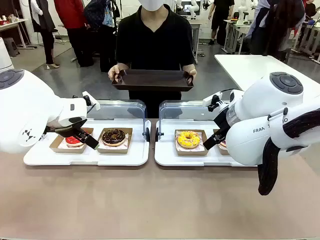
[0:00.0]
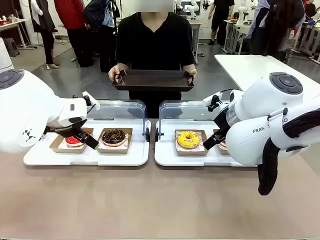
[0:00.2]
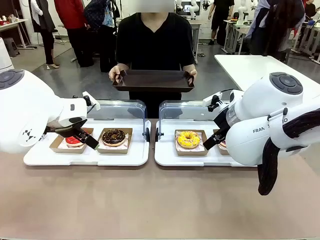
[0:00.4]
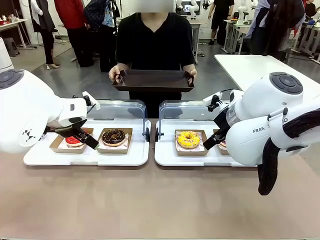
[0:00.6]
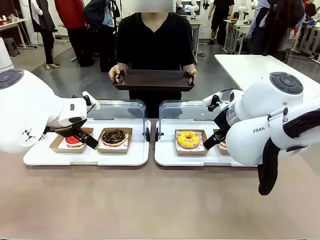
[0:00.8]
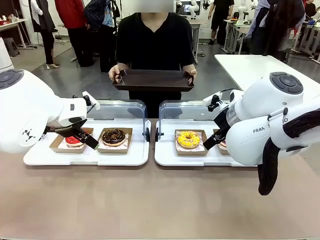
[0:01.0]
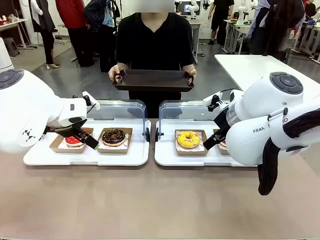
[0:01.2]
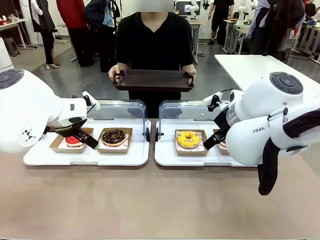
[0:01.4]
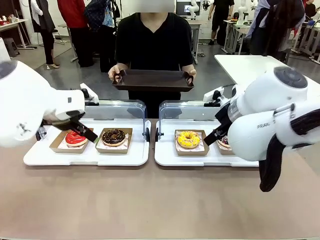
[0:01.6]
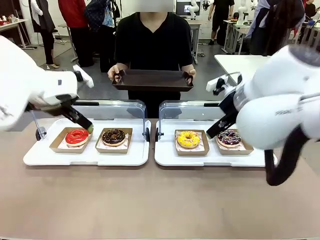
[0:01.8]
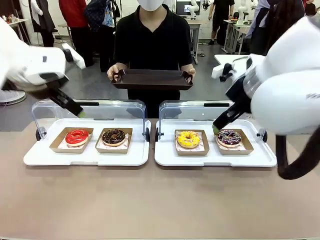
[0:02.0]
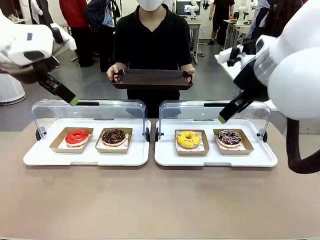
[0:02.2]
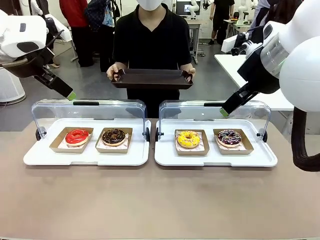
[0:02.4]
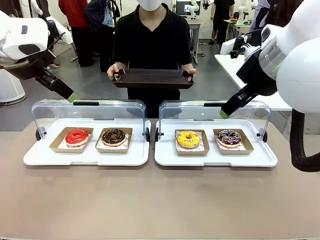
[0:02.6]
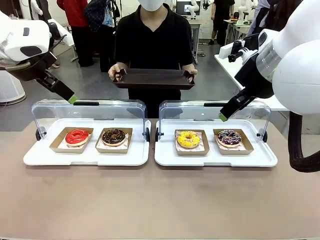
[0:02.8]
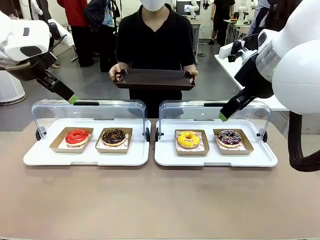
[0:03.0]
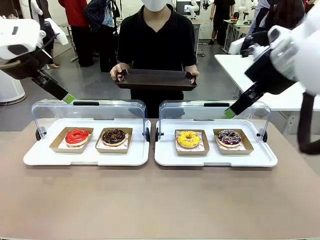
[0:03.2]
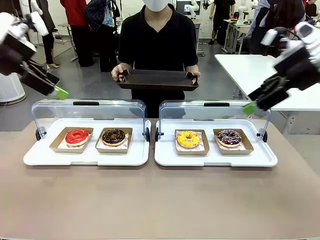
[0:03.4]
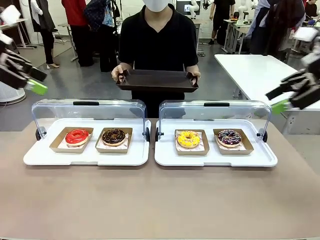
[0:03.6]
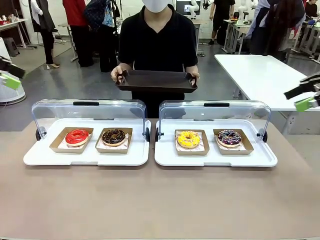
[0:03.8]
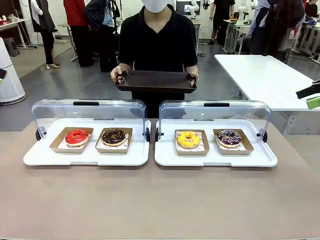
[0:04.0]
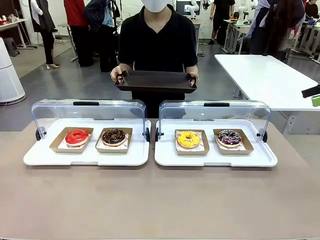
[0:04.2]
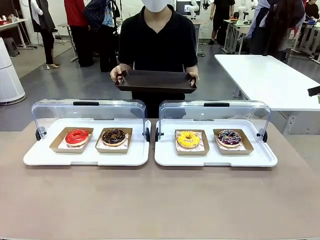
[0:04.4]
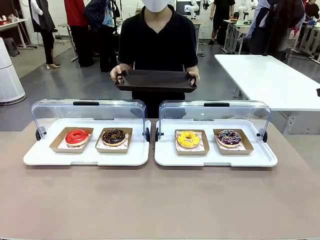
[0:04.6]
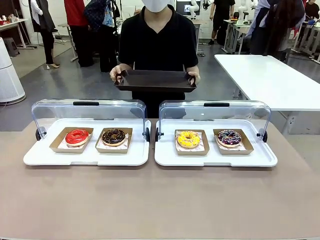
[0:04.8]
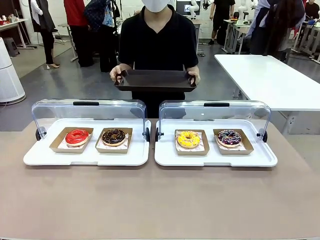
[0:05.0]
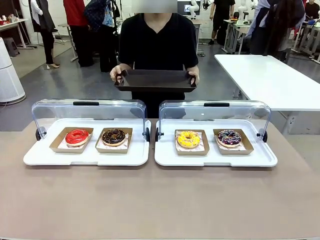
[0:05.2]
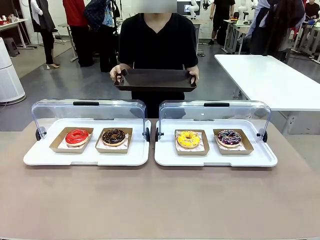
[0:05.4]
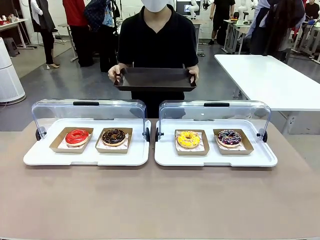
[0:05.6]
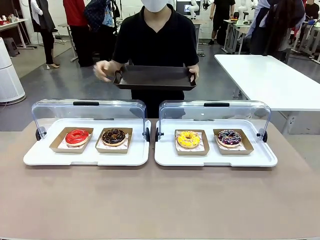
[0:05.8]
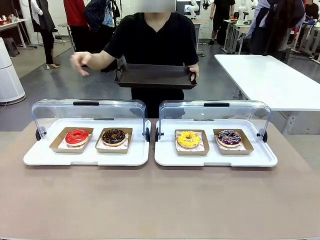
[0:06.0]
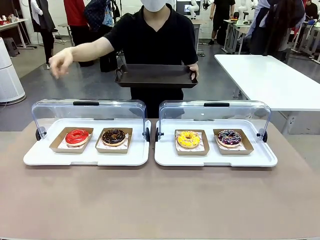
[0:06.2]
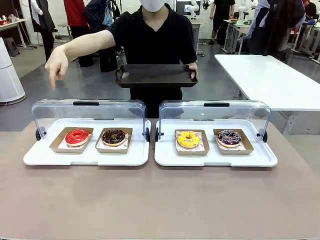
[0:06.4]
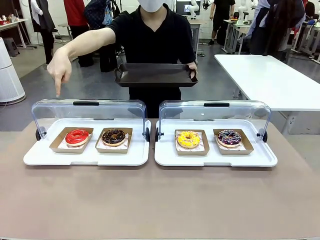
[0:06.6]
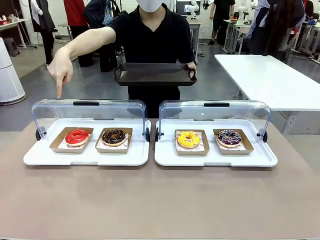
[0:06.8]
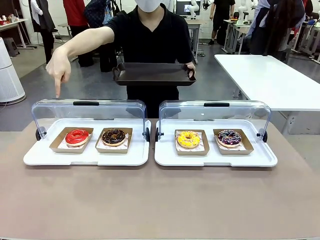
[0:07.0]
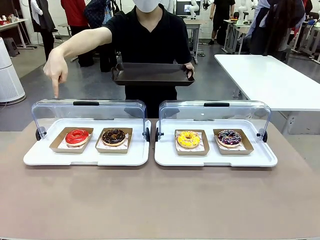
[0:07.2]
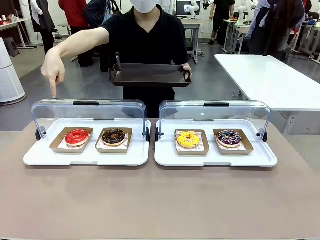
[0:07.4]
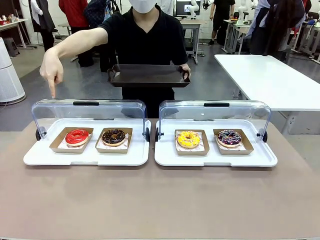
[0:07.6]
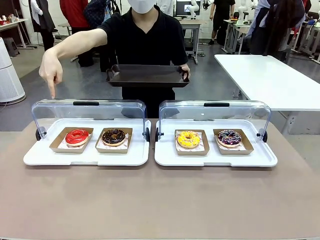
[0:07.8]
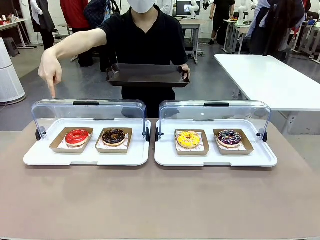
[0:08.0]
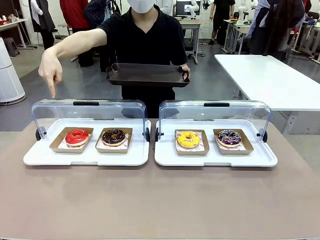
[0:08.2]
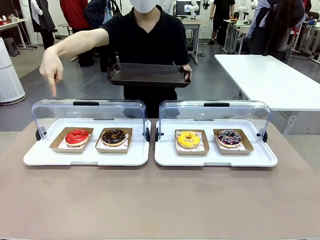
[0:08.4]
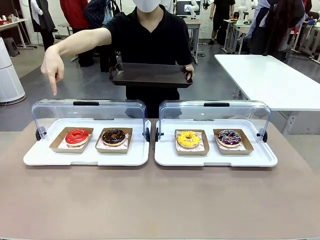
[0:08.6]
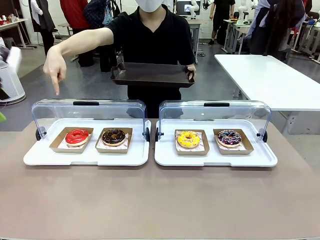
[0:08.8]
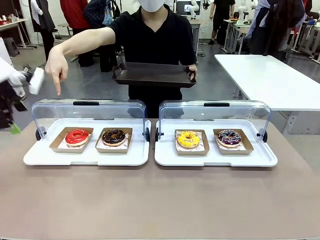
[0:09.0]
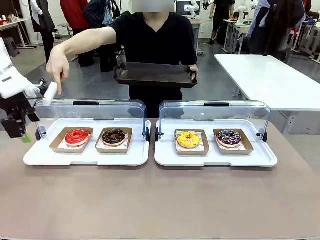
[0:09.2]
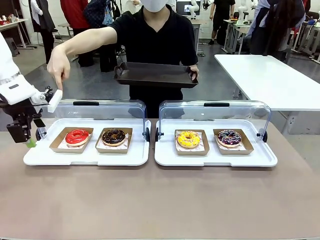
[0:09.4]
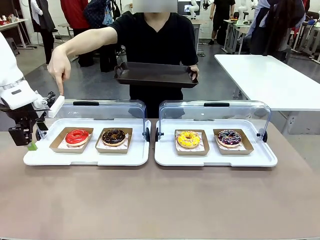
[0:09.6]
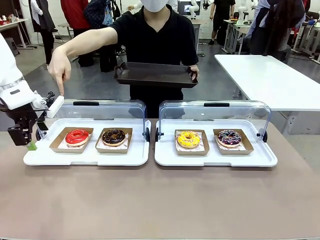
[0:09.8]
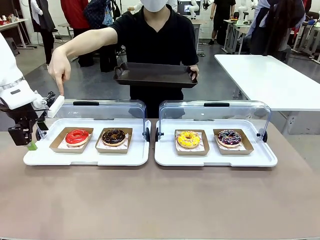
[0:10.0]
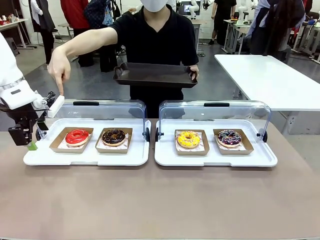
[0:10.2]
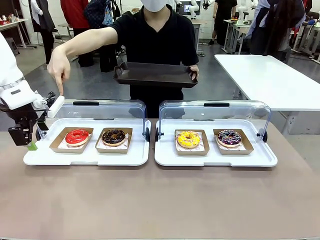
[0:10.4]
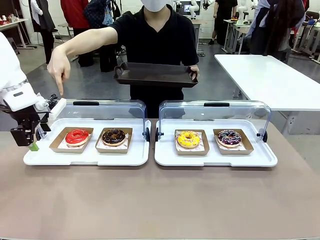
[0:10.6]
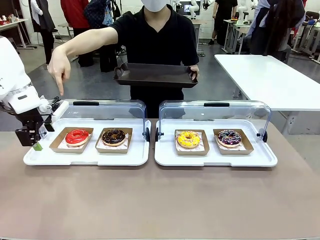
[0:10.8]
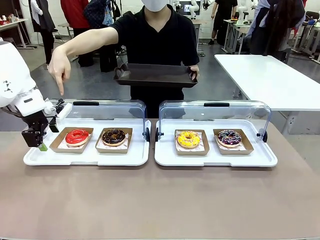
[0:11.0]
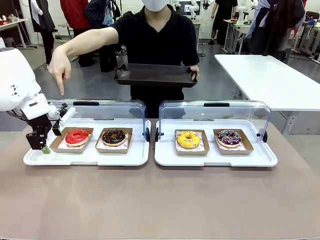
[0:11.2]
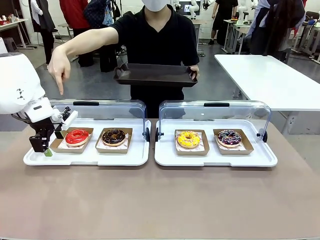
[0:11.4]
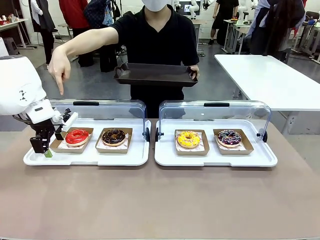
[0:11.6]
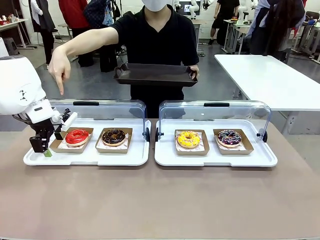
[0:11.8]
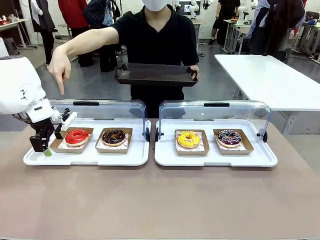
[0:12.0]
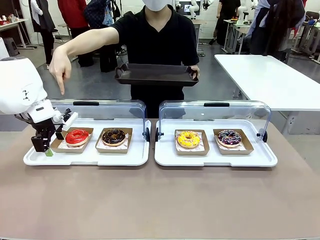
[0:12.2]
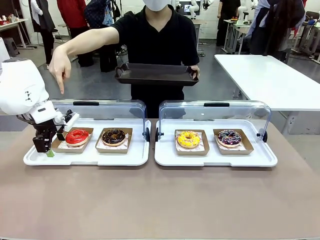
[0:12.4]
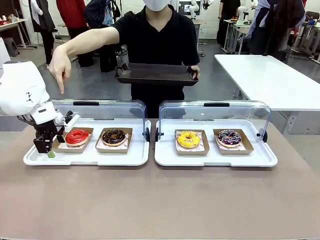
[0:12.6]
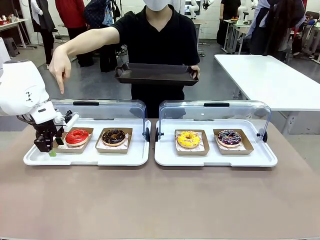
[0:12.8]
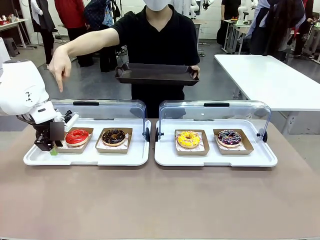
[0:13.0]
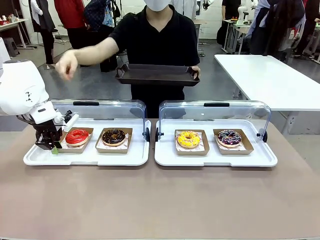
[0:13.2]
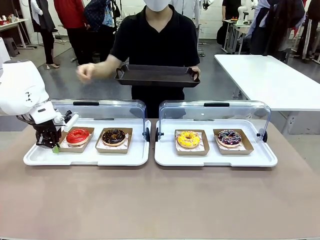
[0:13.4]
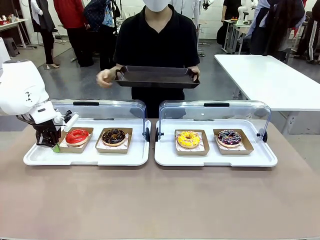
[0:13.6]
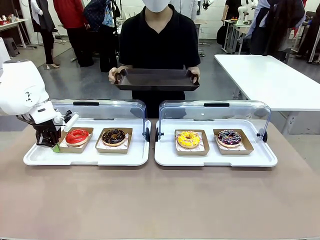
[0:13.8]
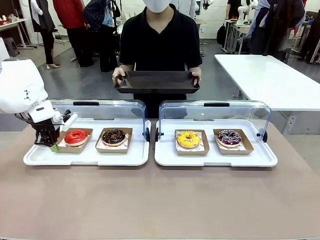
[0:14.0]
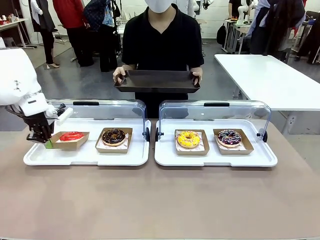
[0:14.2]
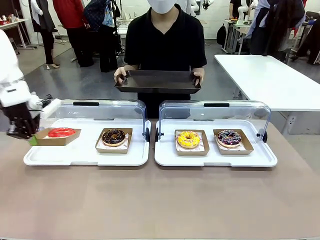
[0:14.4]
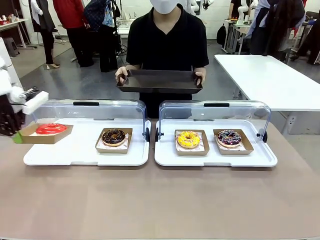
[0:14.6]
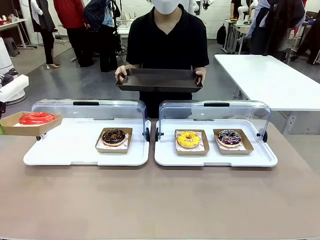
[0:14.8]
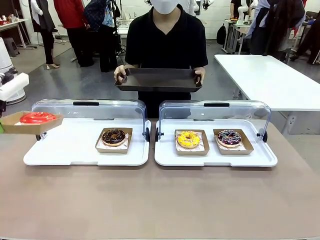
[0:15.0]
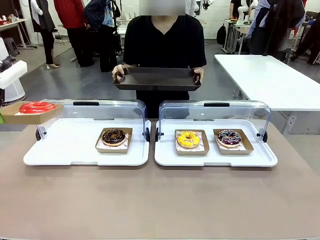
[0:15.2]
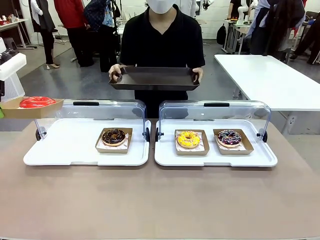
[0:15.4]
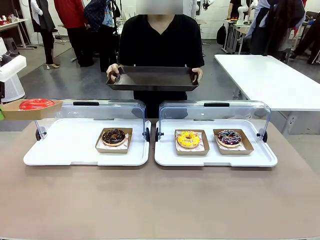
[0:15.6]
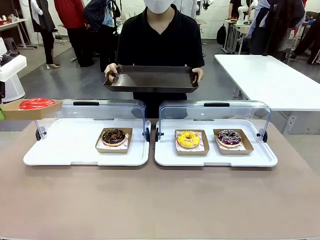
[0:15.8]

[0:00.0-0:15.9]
Task: Provide the desired donut to the person.
Robot: Pick up and lift the Paper togo box containing the Donut pointed at by the person.
Person: Point to one donut. Lift the tray onto the Roll-Top Bakery Case.

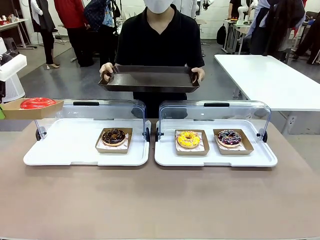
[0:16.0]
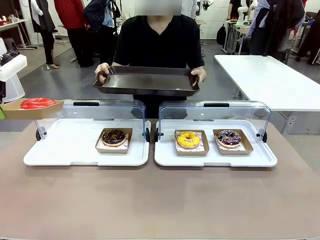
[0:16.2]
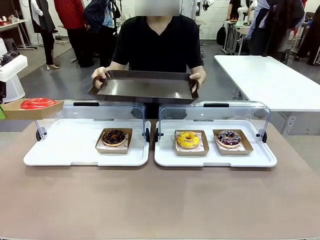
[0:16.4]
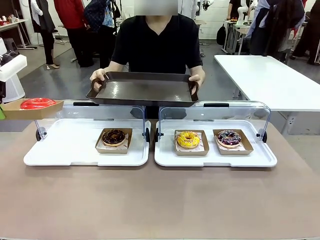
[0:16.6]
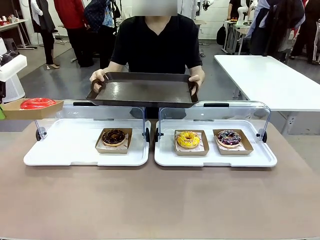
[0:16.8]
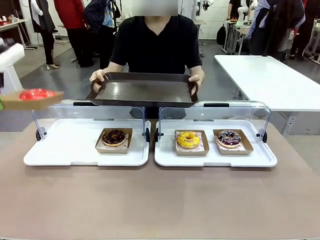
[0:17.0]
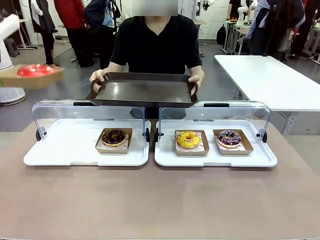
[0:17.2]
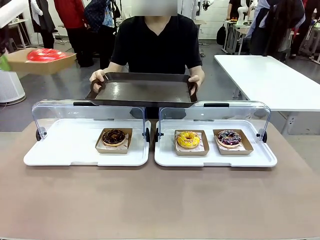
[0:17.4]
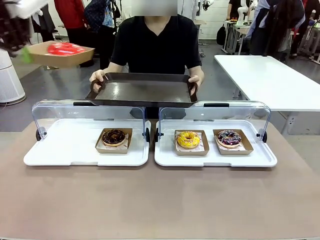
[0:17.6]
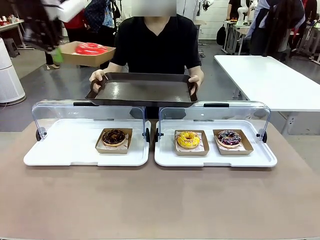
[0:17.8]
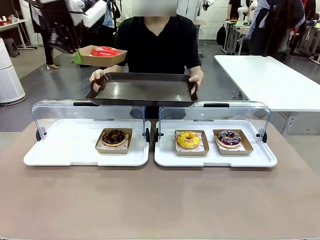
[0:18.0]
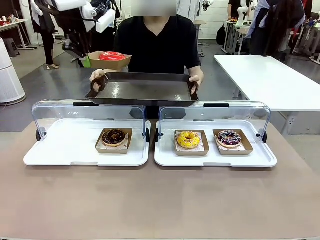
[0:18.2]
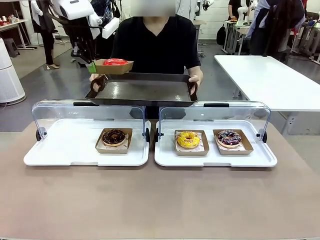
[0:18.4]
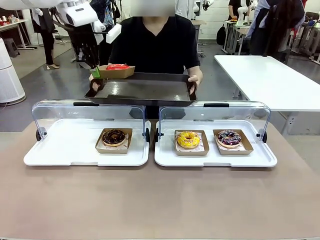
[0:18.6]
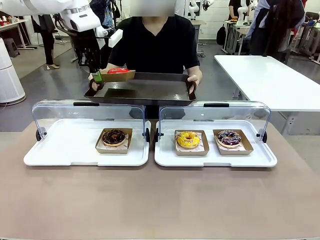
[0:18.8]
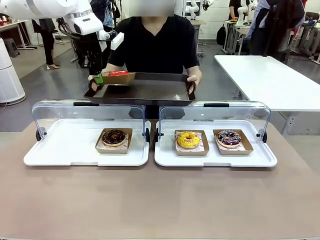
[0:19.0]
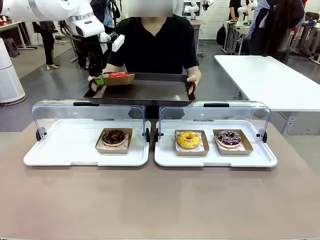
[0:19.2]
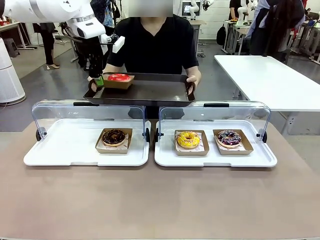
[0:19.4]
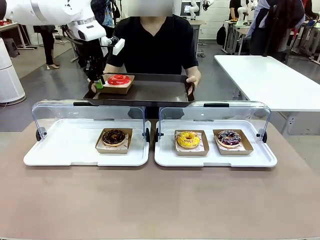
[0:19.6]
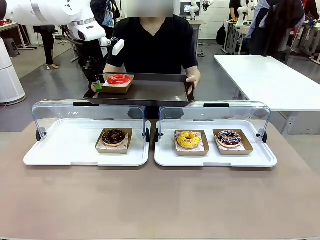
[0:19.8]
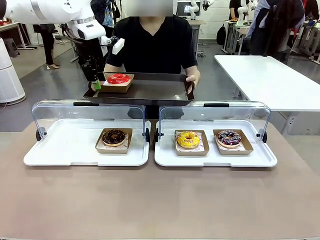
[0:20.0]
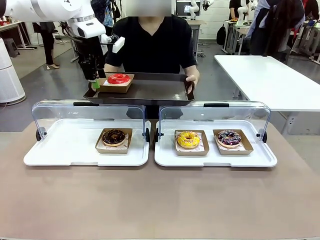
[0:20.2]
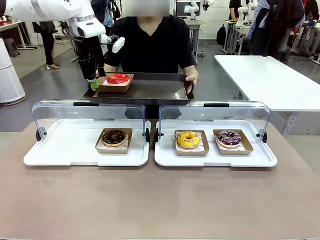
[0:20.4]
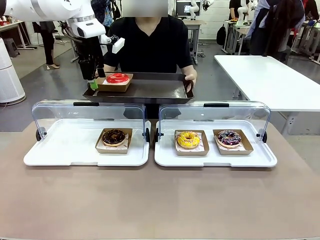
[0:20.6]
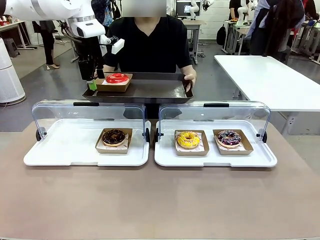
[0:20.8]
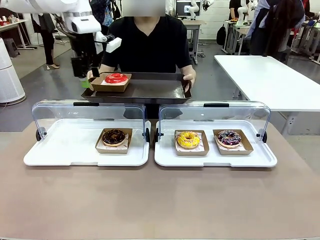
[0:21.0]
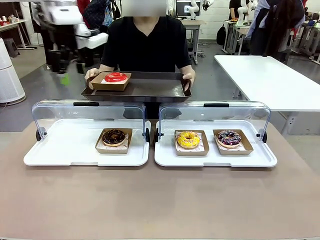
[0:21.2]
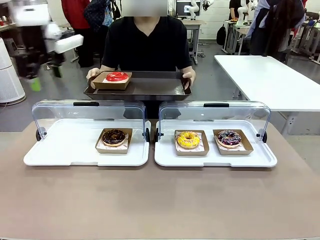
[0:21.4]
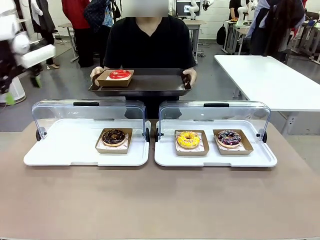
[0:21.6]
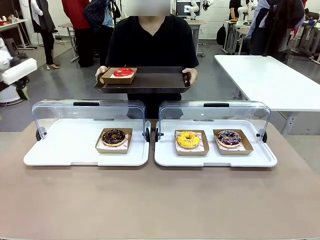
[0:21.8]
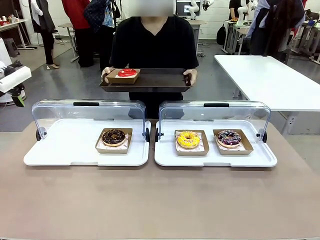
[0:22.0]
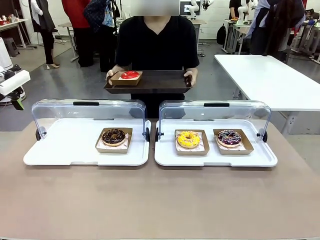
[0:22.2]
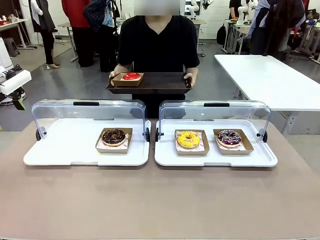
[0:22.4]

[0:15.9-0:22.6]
Robot: Place the picked Paper togo box onto the Handle tray extended by the person.
